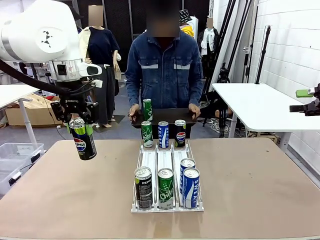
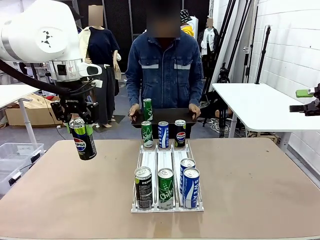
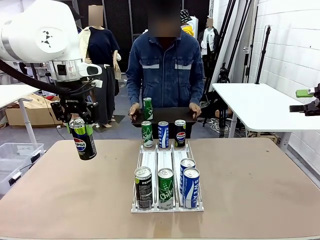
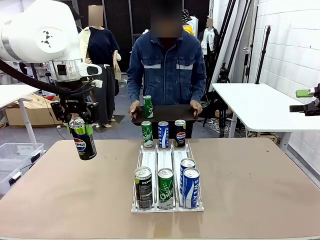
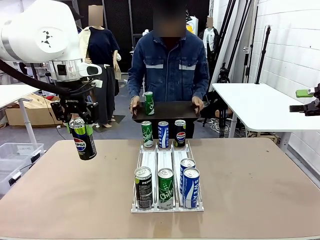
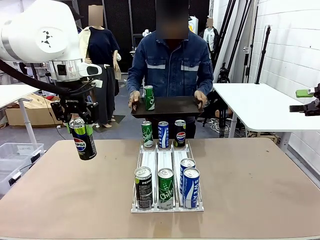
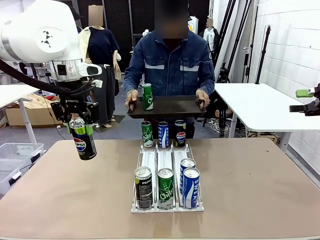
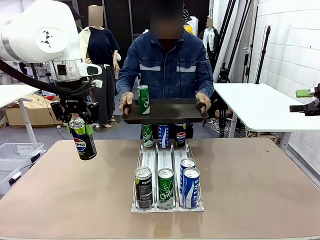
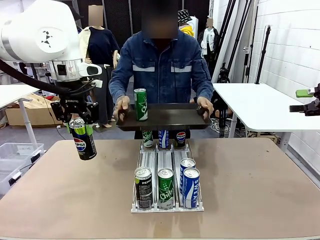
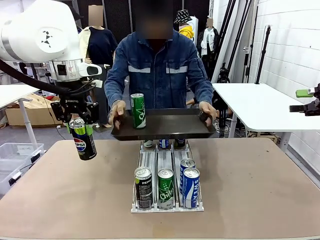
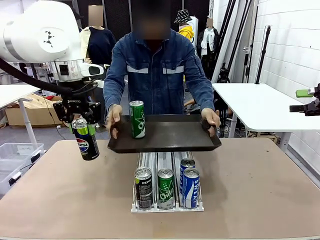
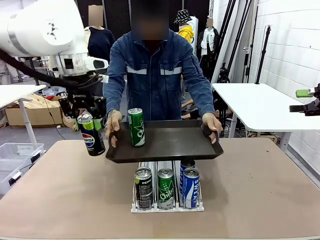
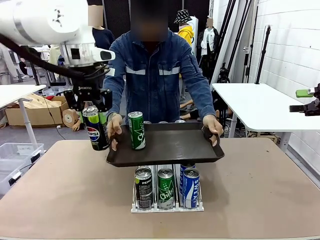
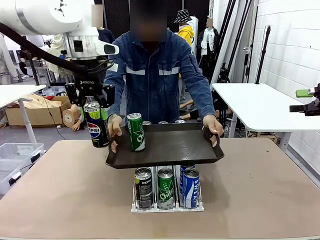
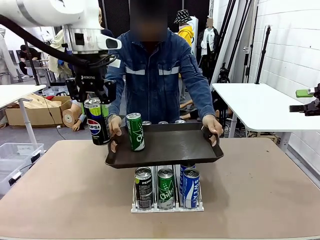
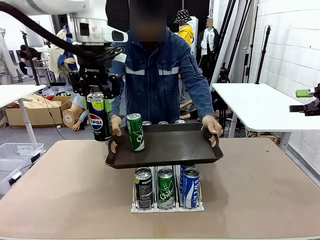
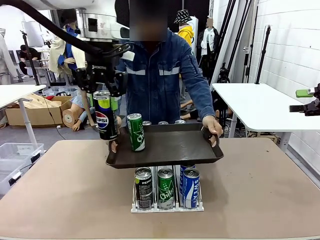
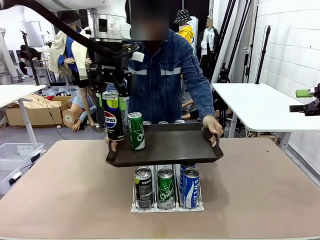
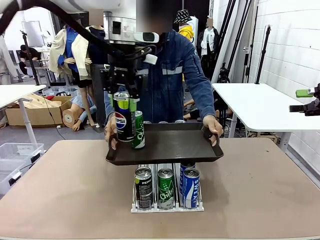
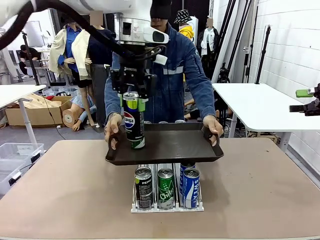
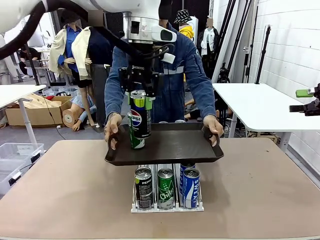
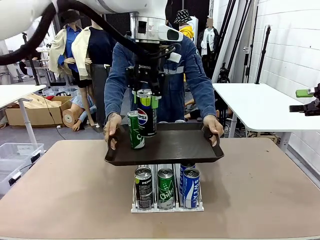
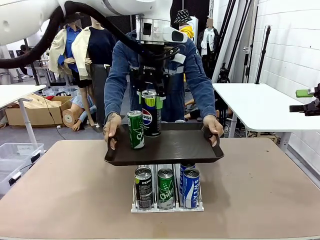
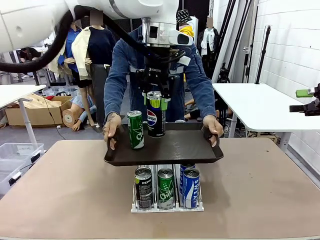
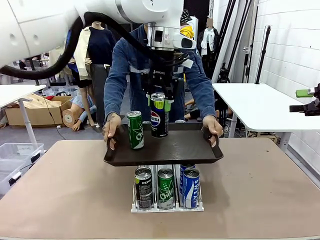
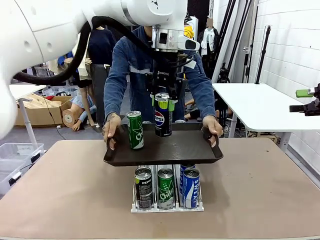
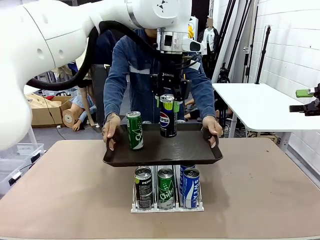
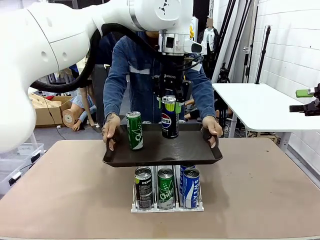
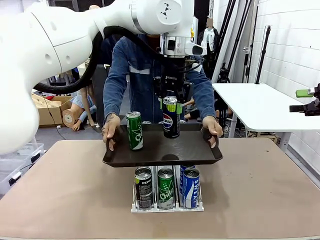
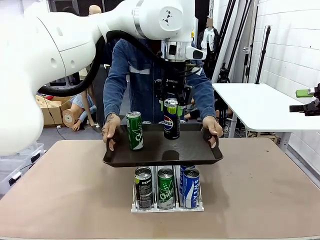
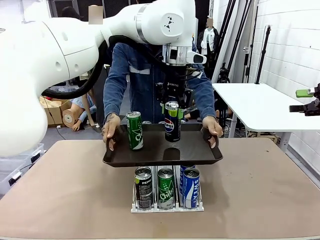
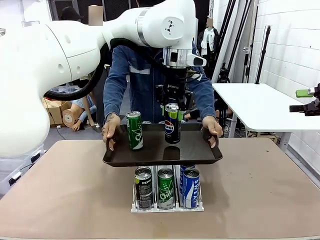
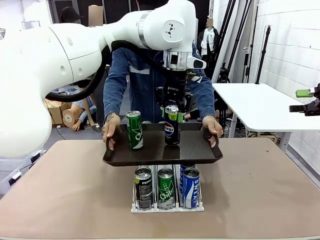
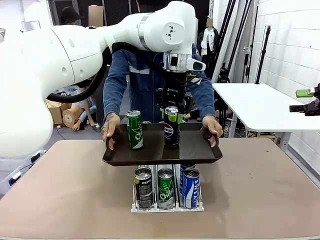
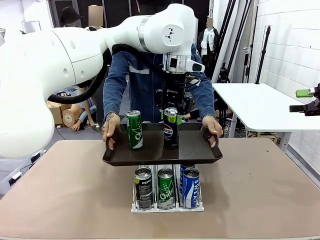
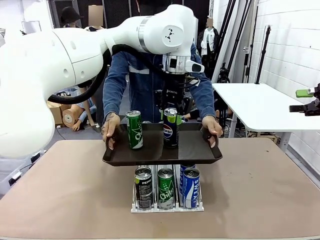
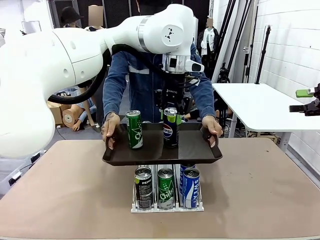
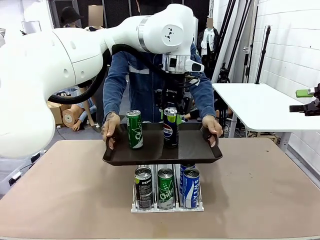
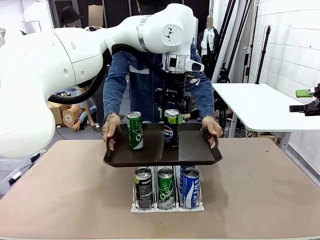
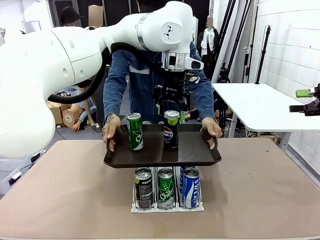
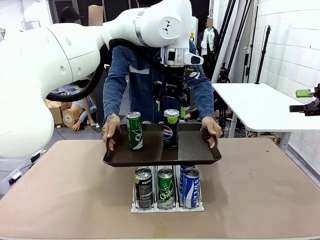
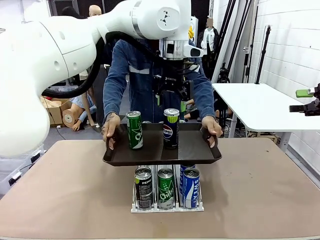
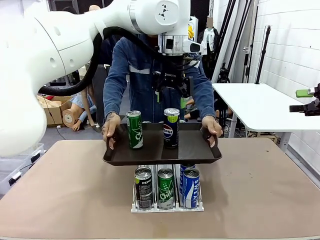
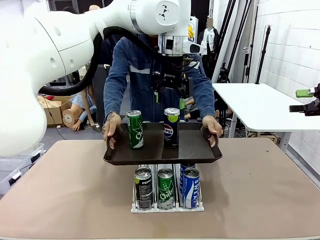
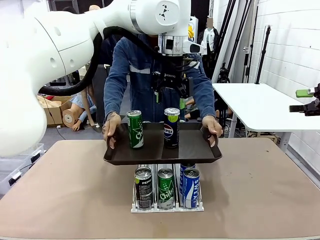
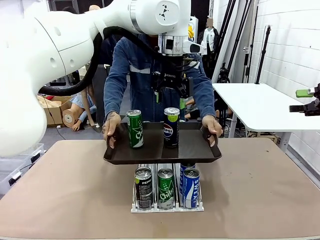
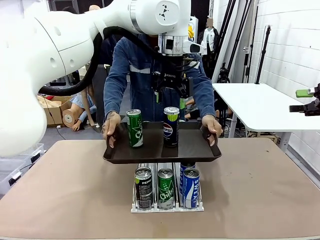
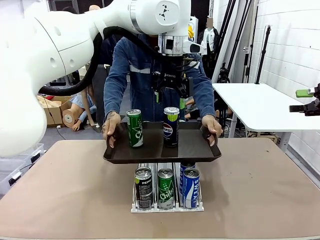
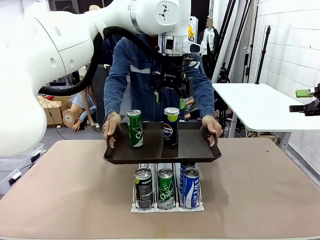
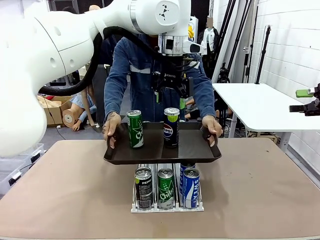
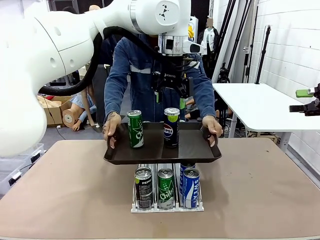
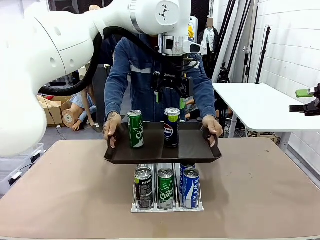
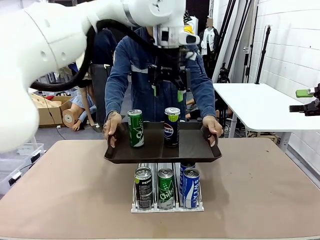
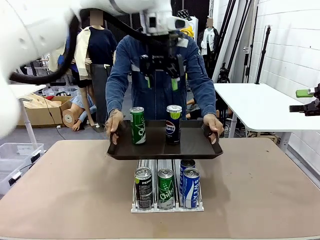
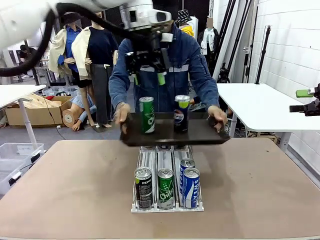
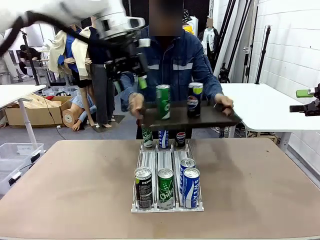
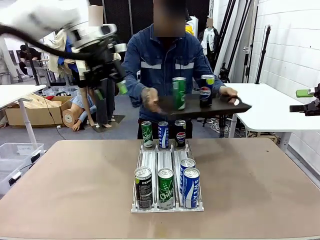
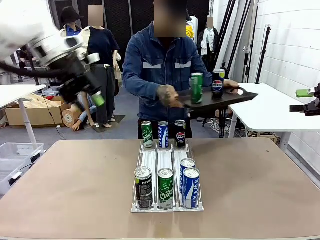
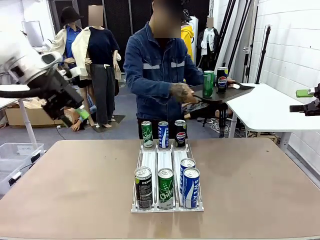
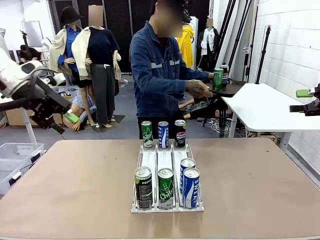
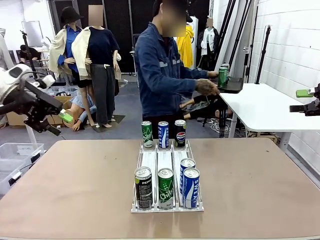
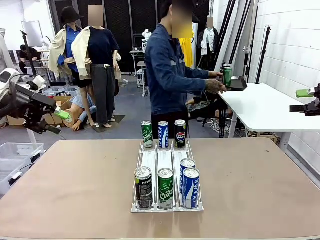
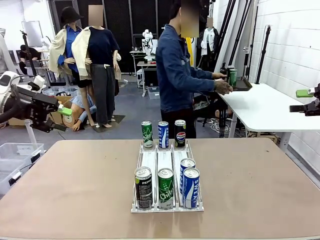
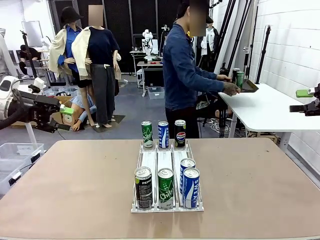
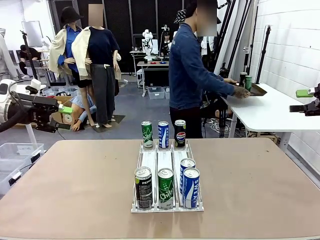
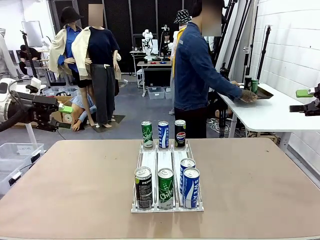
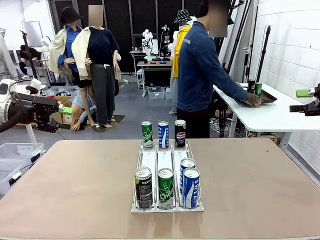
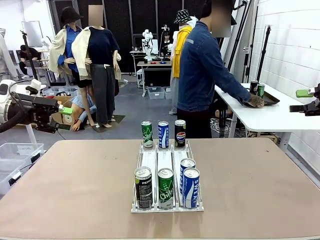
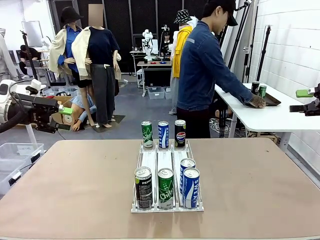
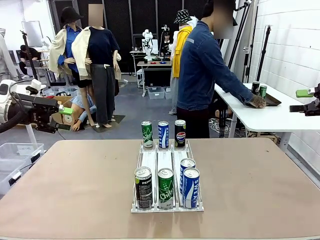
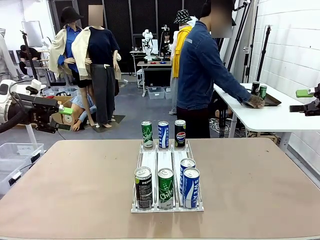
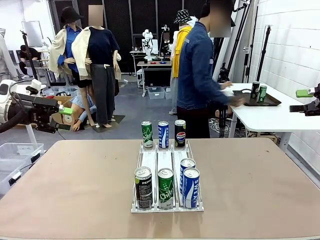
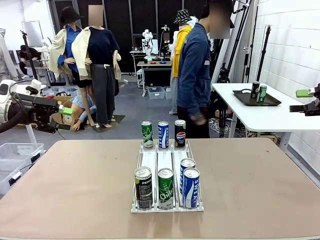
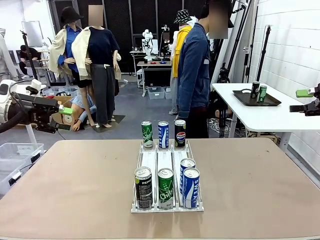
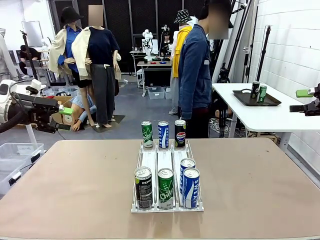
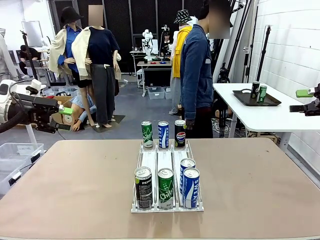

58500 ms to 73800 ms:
Task: Retrieve and hand over the desired beverage to the person.
Robot: Place the picked can on the Handle tray extended by the person.
Person: Pull the tray back and place it at the center of the human table.
